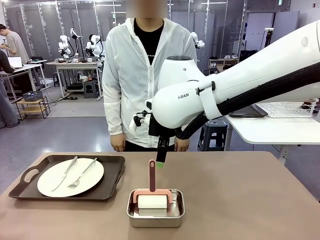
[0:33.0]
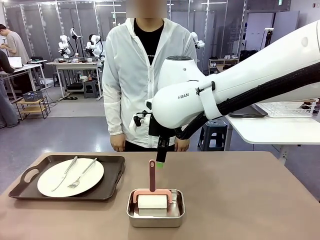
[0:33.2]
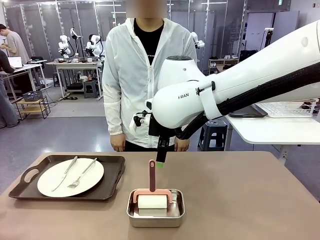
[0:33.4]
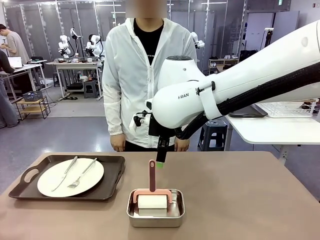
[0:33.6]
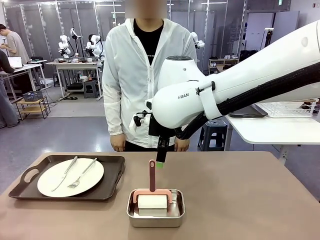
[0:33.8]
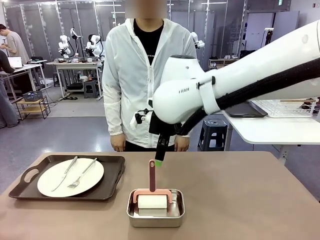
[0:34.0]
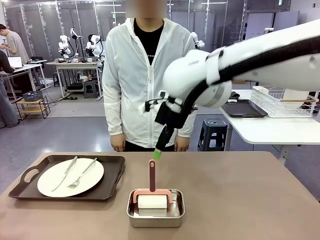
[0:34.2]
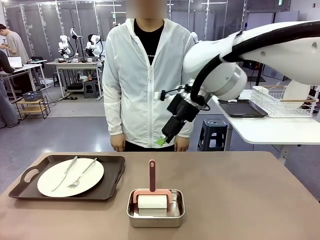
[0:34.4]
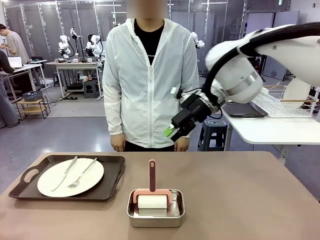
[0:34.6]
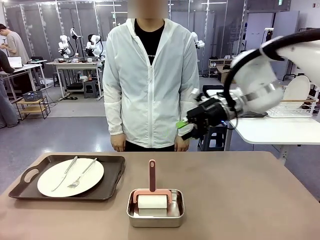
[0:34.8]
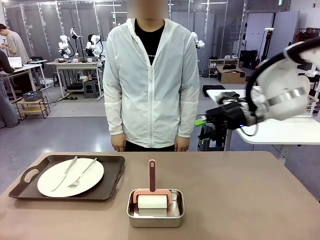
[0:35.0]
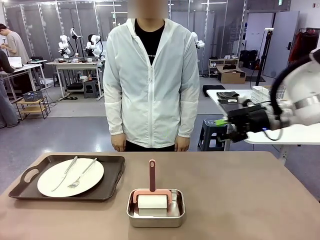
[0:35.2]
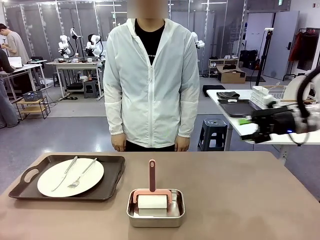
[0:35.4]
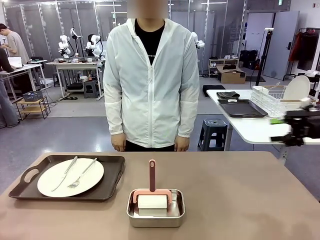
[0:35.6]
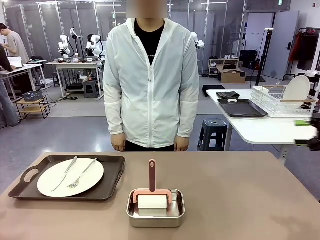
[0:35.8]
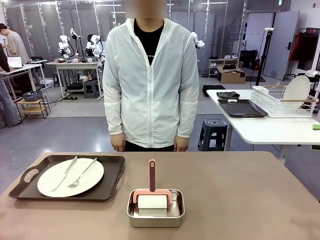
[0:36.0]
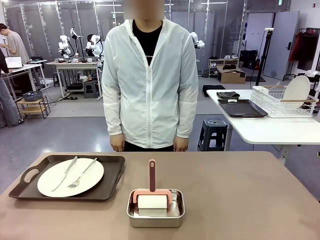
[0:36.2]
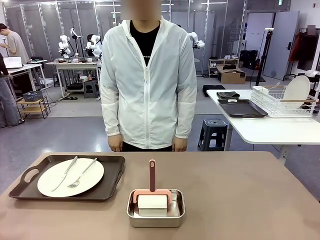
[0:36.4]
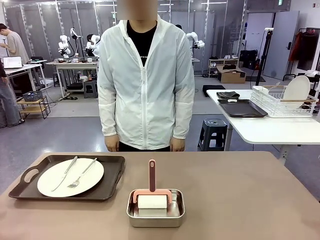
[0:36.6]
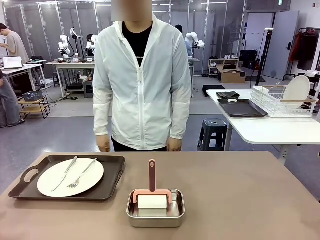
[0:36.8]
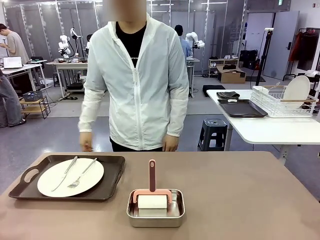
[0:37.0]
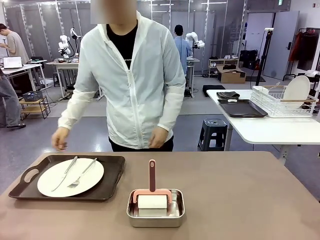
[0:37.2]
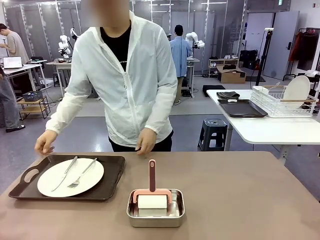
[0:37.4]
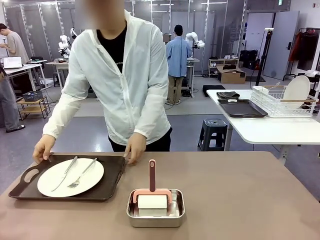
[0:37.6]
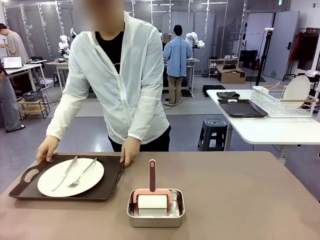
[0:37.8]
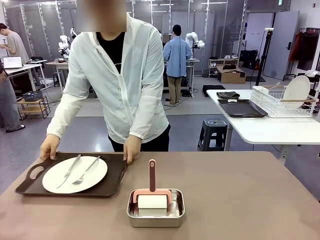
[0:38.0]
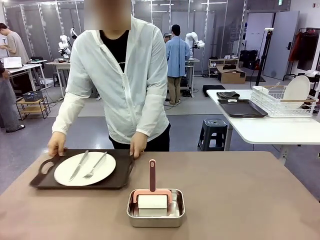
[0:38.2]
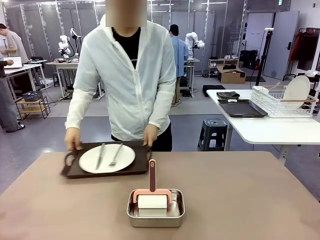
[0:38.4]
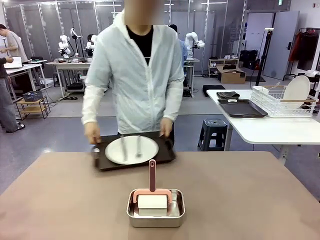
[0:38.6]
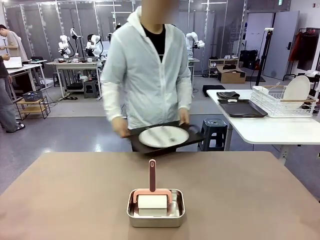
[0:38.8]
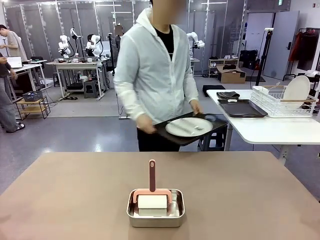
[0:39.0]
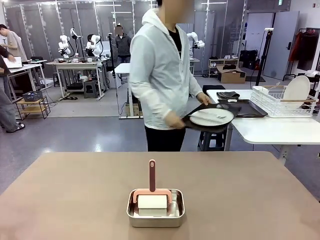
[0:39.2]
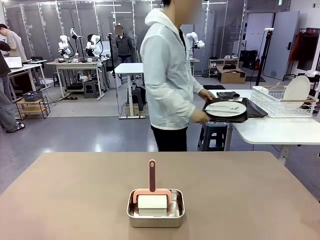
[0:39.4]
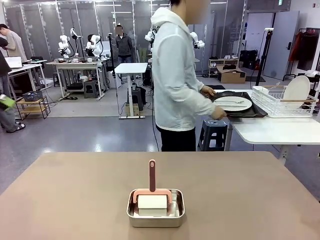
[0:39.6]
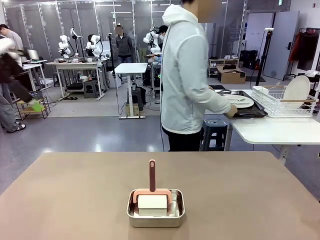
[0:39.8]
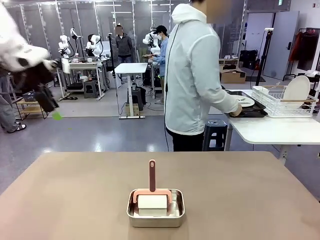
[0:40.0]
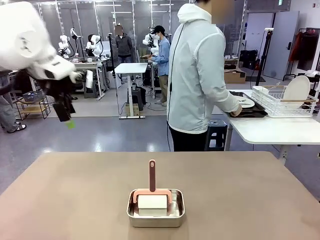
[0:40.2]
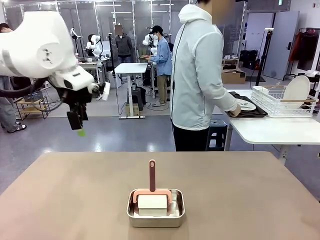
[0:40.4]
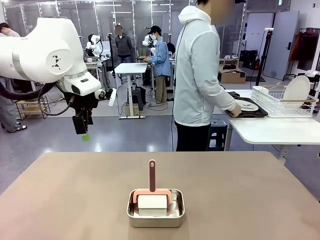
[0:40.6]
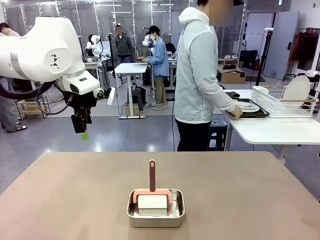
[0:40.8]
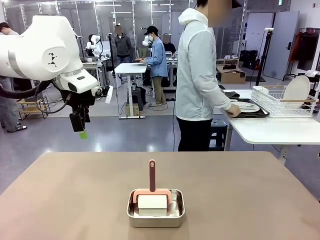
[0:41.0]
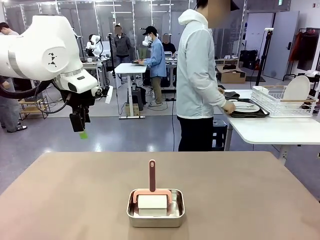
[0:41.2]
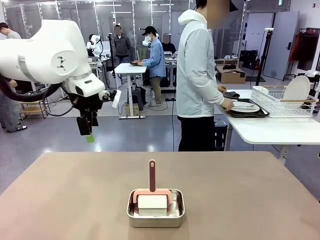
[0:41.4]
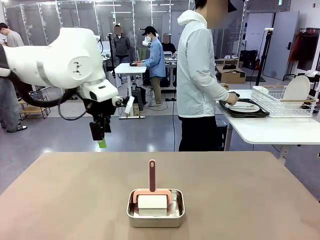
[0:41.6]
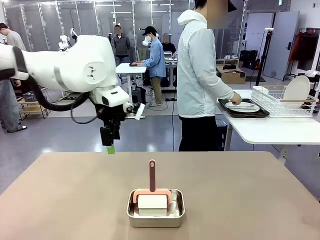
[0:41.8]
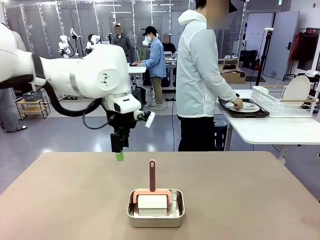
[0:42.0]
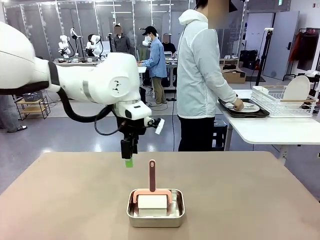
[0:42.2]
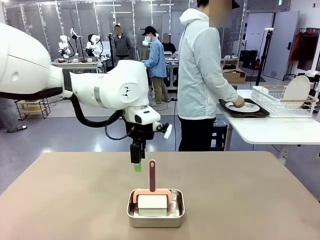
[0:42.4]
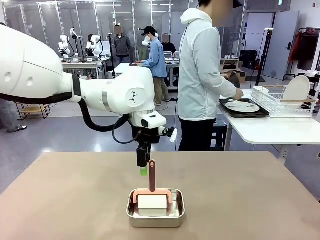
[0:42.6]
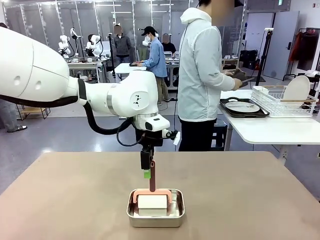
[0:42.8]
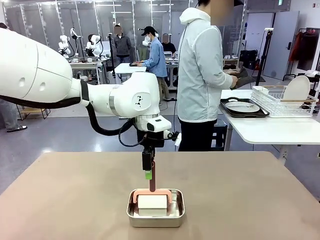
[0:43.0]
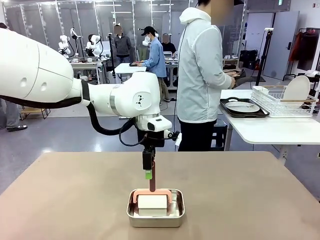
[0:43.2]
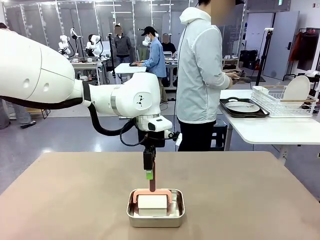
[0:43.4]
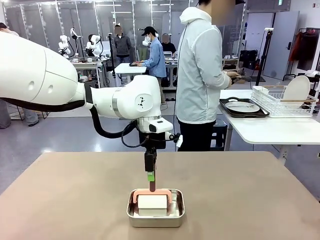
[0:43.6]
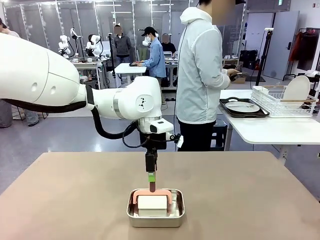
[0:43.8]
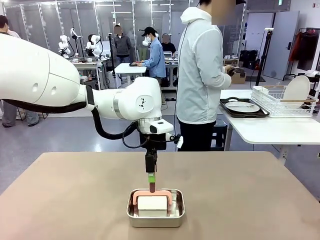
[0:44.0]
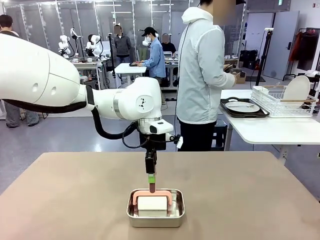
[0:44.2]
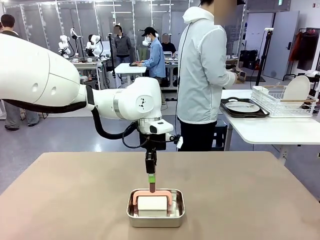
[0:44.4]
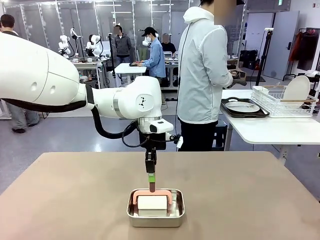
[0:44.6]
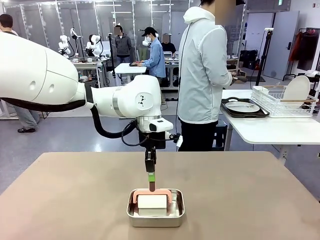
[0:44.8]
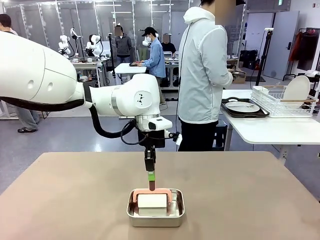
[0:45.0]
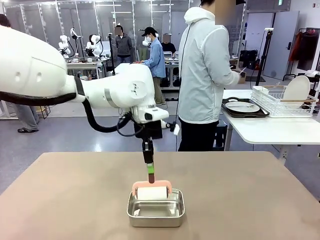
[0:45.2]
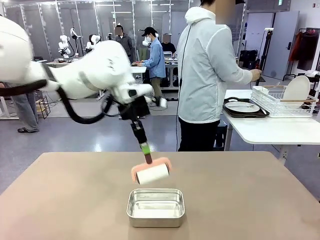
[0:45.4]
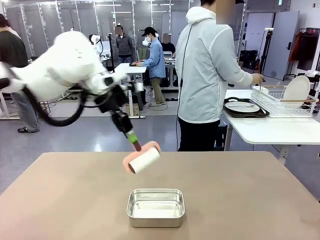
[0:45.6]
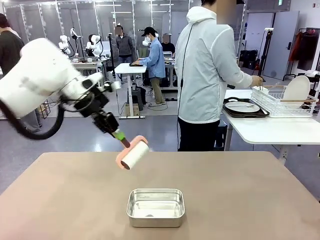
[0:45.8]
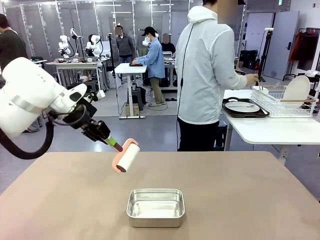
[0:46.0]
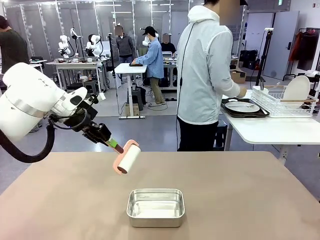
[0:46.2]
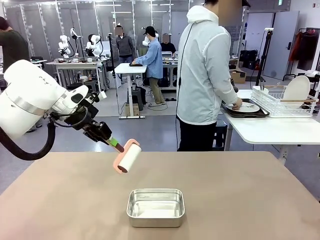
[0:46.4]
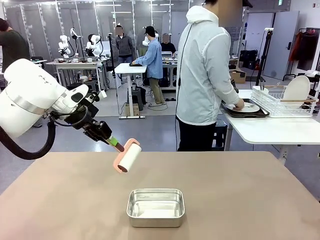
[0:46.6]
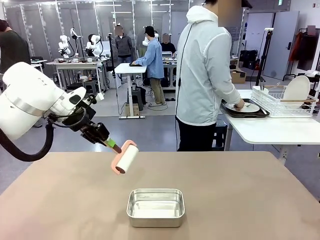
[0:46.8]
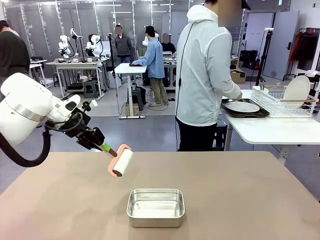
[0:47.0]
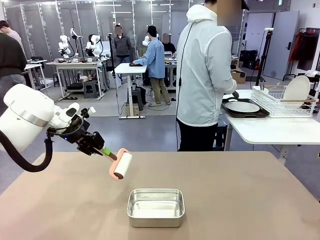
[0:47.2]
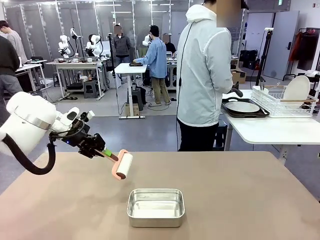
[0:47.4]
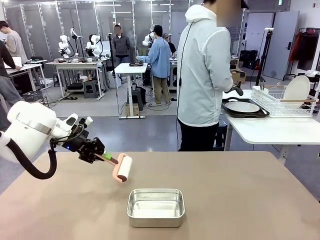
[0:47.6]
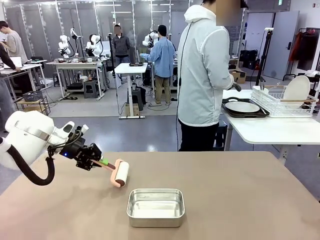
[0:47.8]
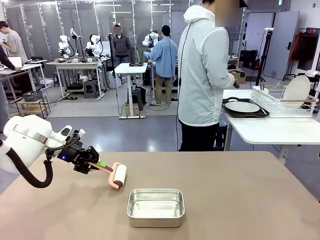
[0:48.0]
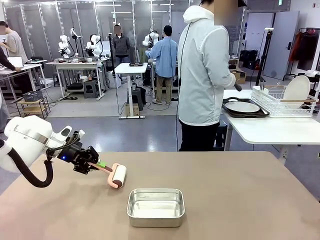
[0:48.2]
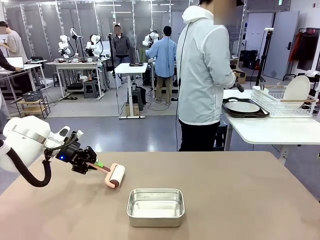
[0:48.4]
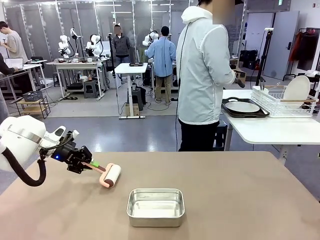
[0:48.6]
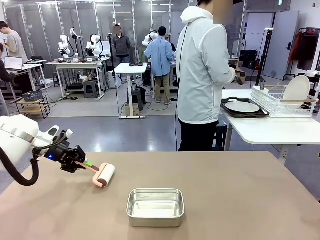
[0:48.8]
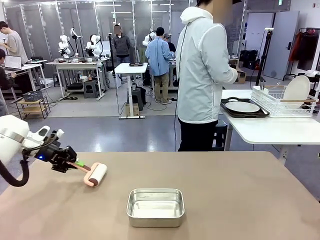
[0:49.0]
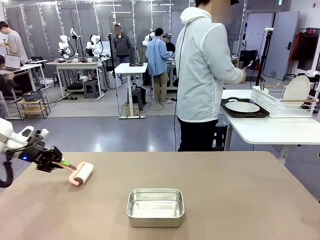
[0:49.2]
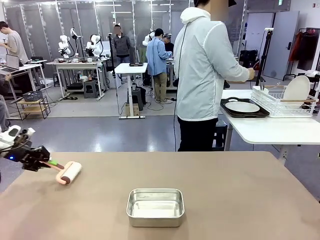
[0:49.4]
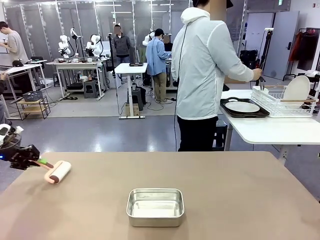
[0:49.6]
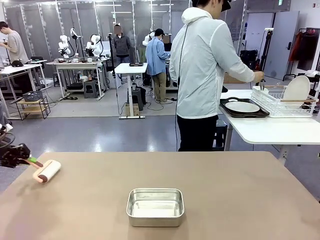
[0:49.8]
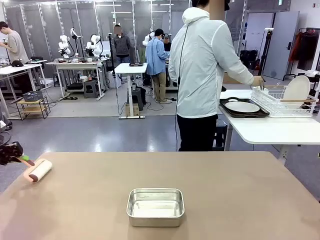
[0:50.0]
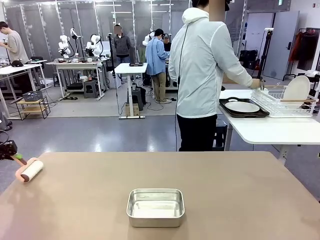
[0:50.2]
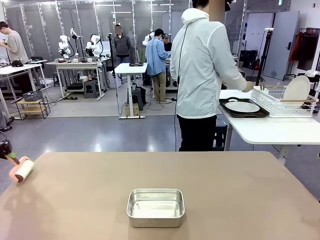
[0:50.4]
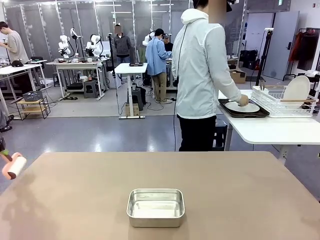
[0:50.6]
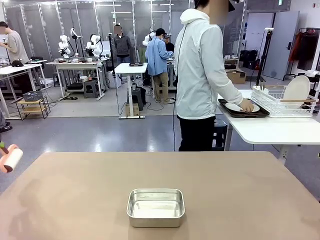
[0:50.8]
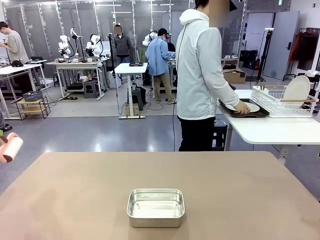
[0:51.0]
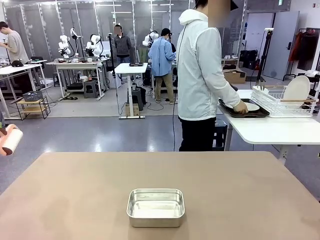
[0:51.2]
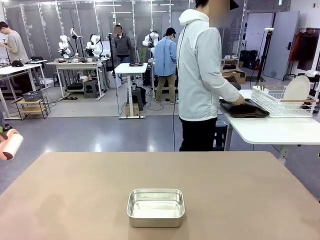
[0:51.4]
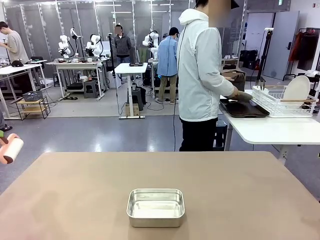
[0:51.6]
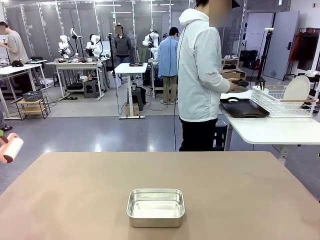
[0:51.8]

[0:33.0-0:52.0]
Robot: When the right (or left) Handle tray is removed, use the right hand (or left hand) to clean the right (or left) side of the table with the Lint Roller.
Person: Pick up the left (or right) Handle tray and place it on the Handle tray. Use the Towel with hook to wipe the Plastic Matte Plate , Fork , and Knife and place into the Dish drying rack.

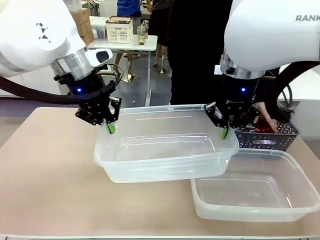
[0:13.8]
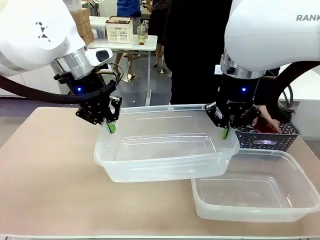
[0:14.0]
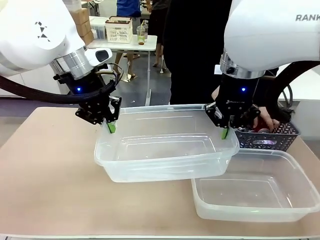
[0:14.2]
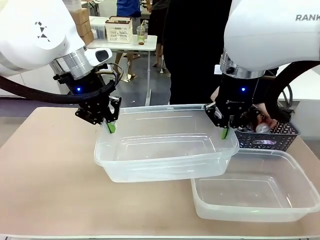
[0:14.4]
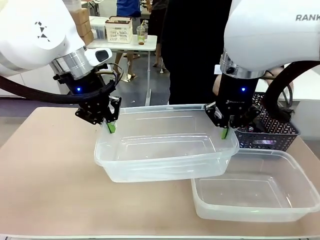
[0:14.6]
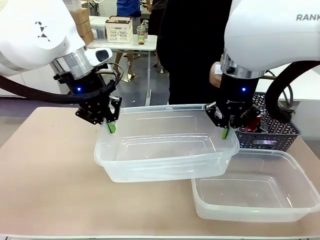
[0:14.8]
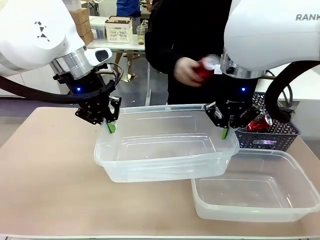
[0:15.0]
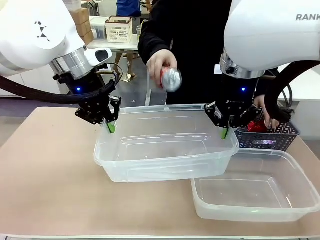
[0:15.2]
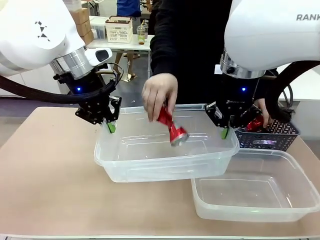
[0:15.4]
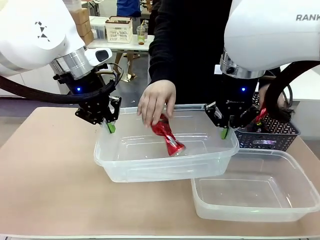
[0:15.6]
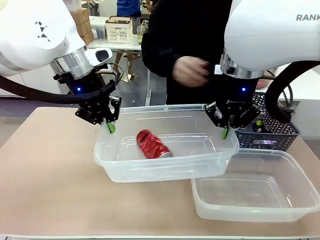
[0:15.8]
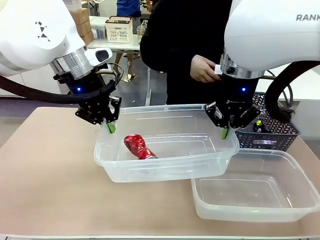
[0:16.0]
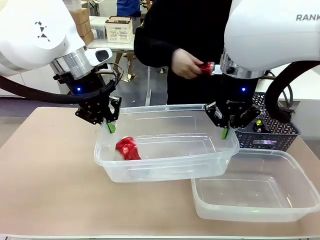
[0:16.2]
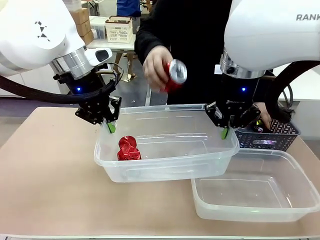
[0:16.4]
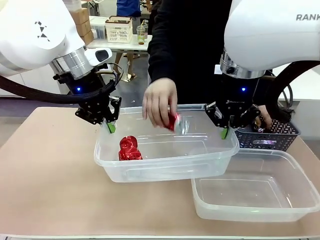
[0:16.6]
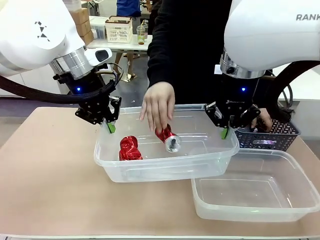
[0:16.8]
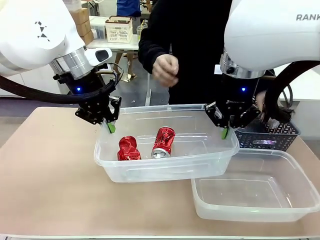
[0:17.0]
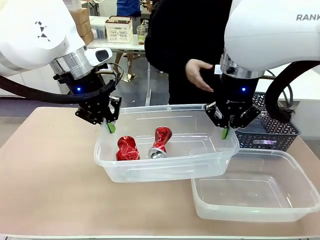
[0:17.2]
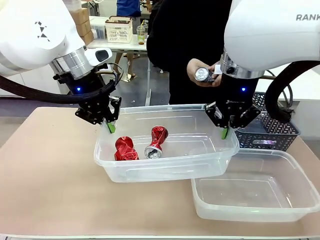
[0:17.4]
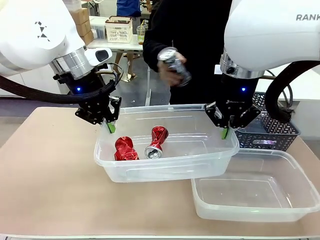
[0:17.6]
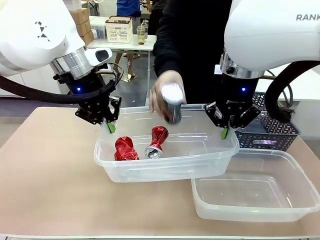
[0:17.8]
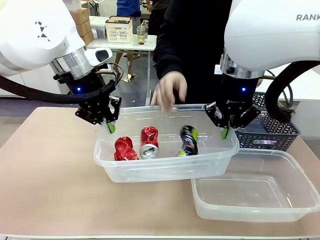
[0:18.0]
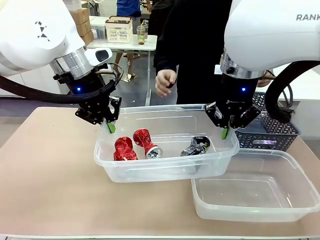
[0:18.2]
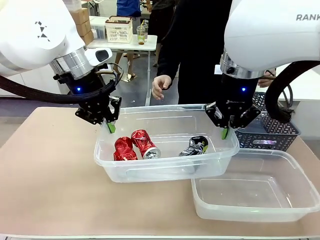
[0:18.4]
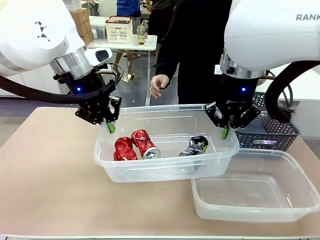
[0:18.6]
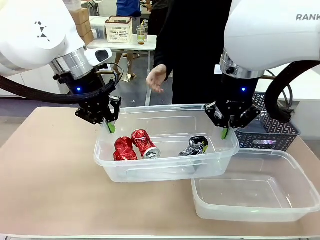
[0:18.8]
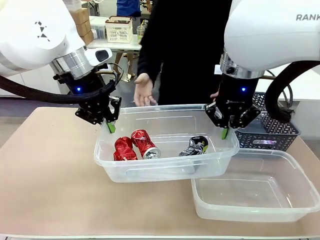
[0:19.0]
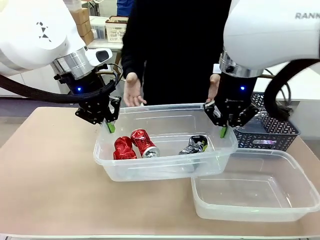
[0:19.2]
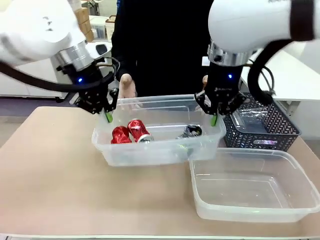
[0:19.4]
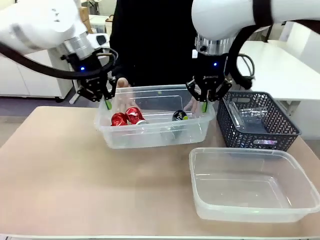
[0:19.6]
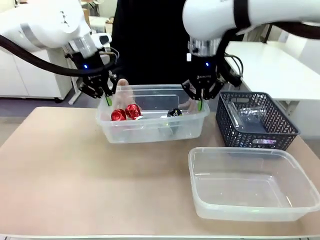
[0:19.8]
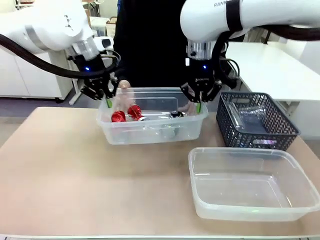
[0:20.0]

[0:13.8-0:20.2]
Robot: Offer the picked Organizing box to the human.
